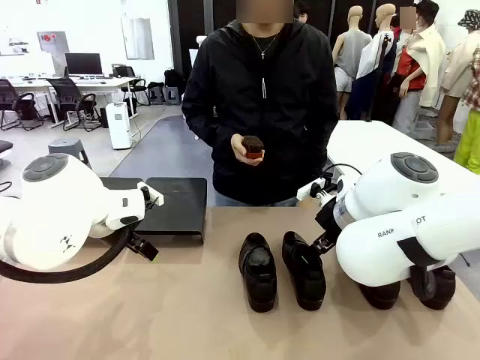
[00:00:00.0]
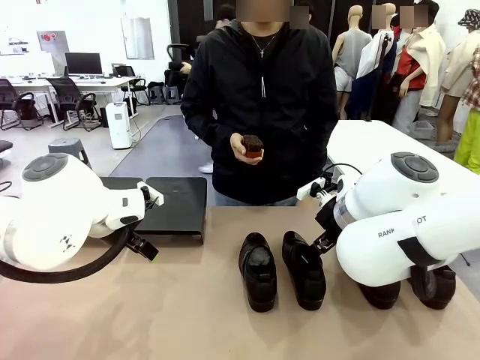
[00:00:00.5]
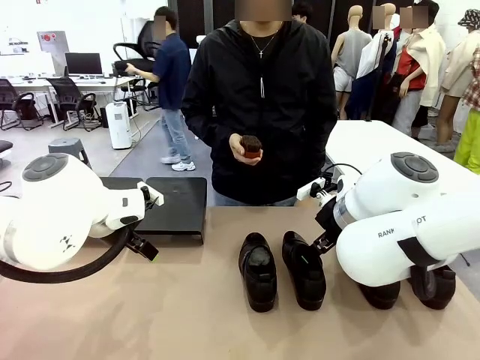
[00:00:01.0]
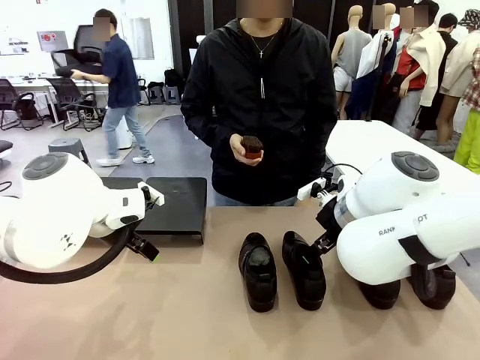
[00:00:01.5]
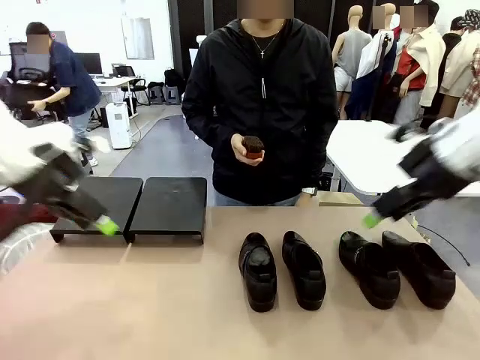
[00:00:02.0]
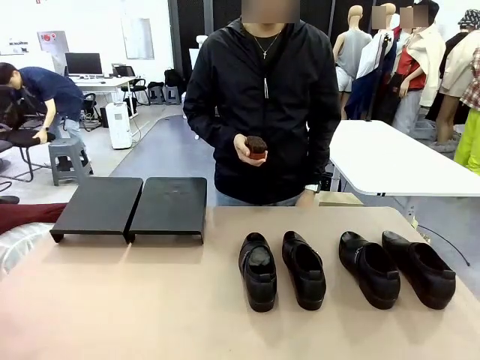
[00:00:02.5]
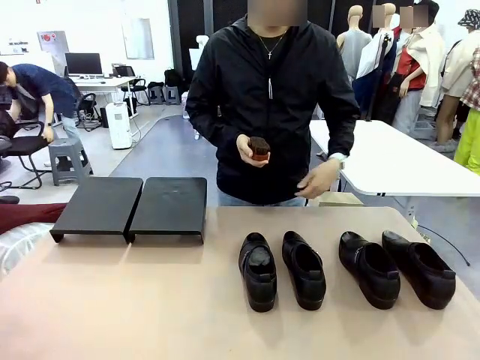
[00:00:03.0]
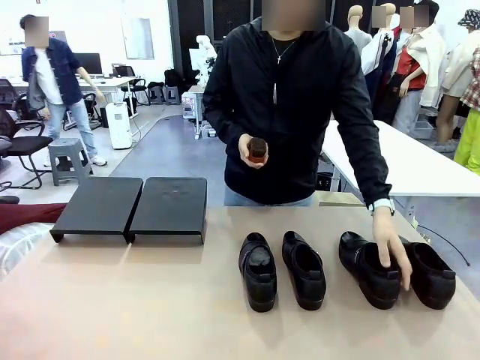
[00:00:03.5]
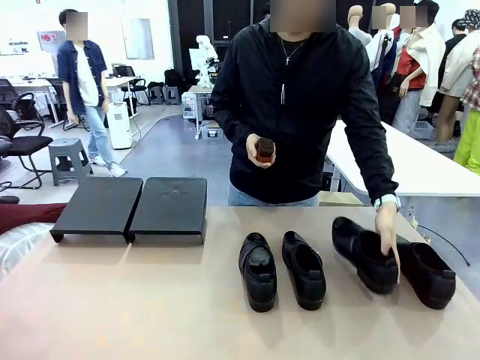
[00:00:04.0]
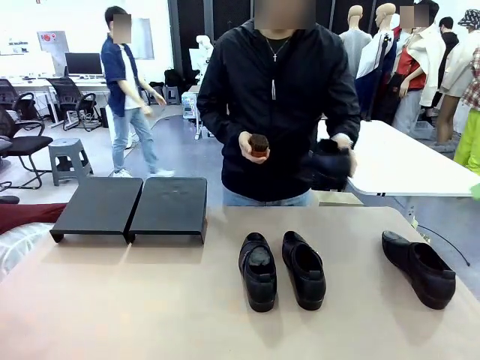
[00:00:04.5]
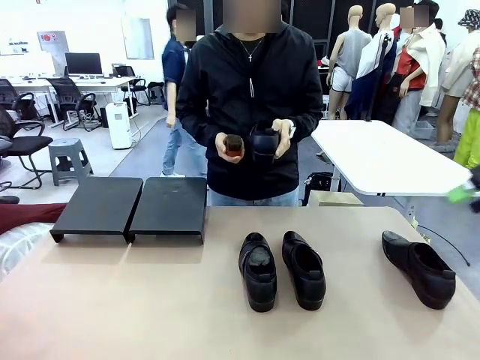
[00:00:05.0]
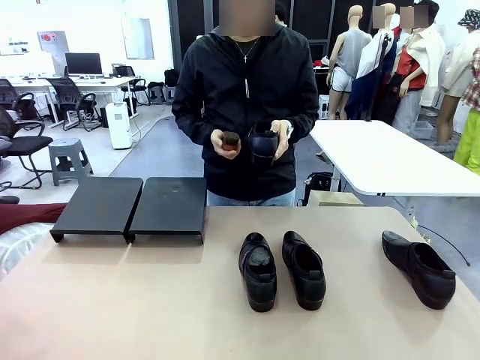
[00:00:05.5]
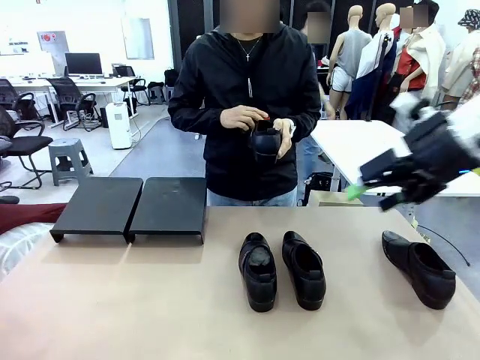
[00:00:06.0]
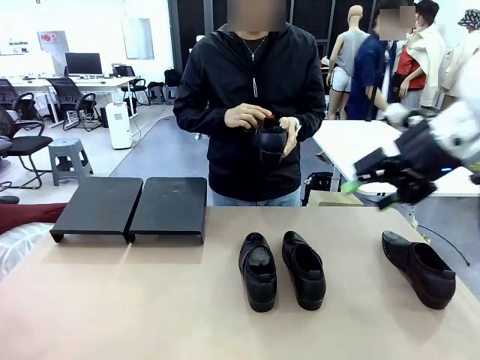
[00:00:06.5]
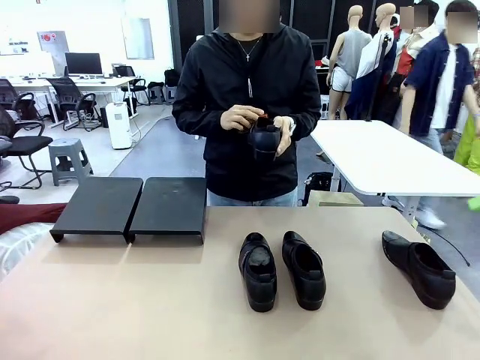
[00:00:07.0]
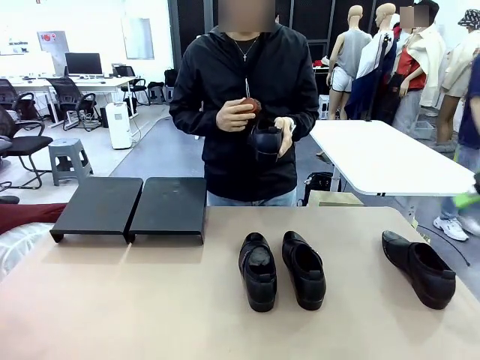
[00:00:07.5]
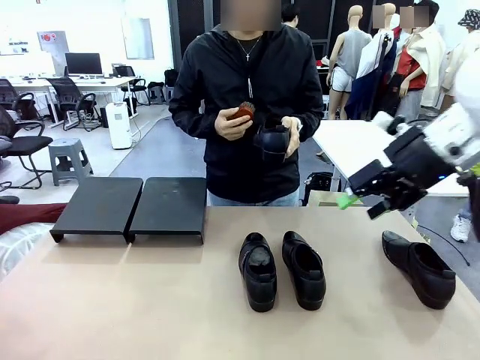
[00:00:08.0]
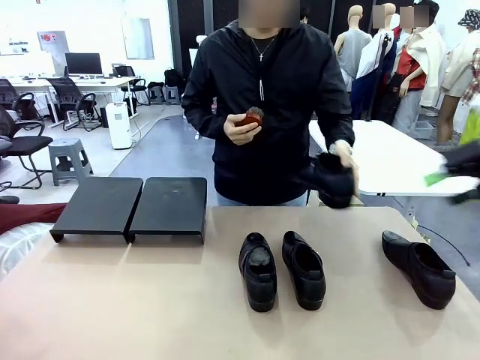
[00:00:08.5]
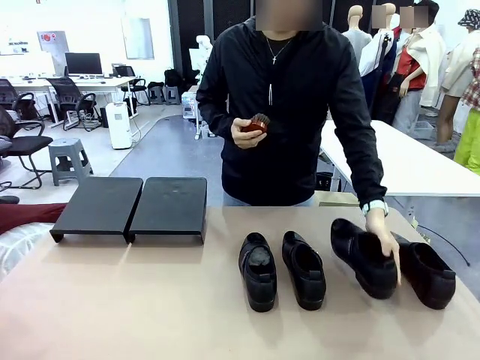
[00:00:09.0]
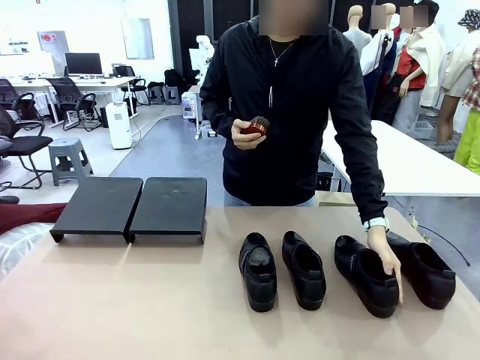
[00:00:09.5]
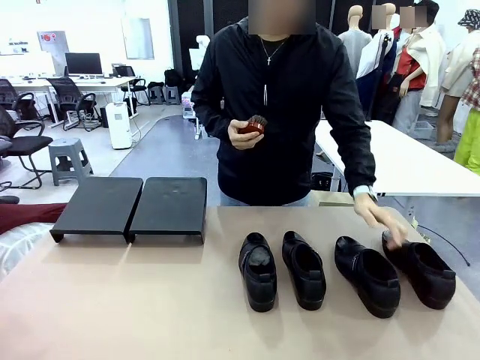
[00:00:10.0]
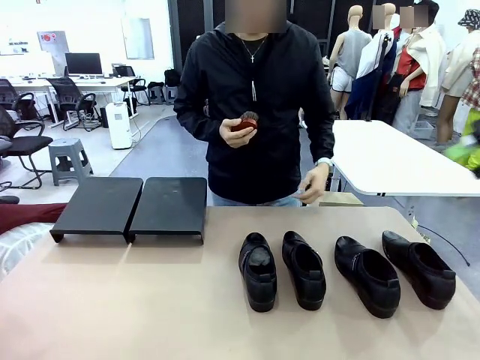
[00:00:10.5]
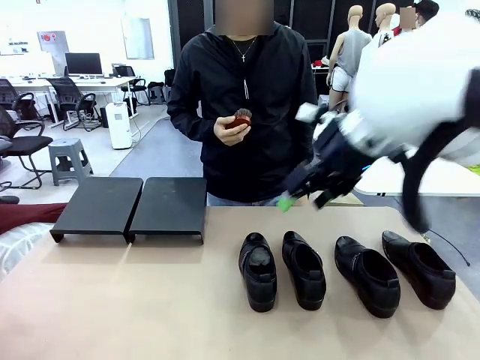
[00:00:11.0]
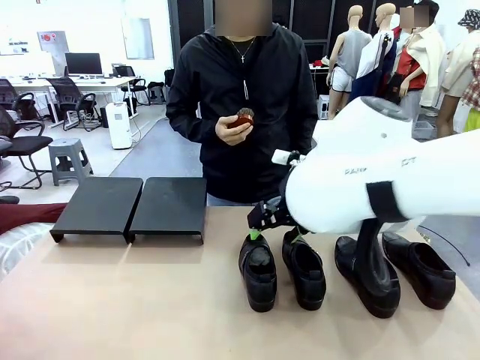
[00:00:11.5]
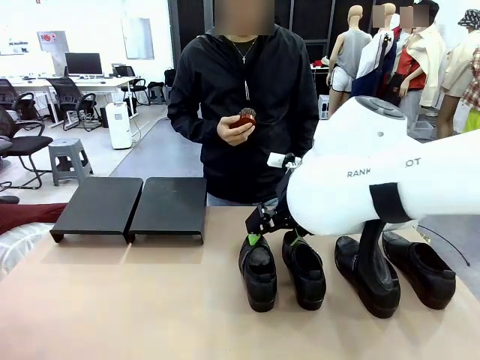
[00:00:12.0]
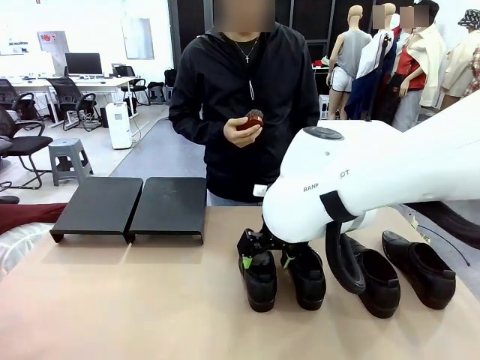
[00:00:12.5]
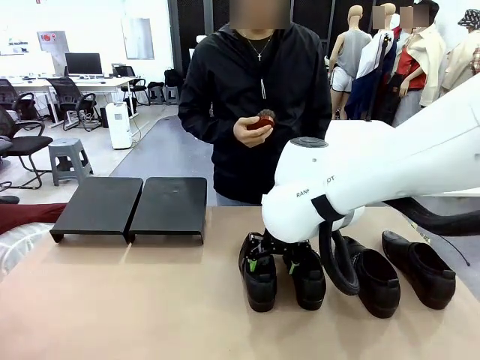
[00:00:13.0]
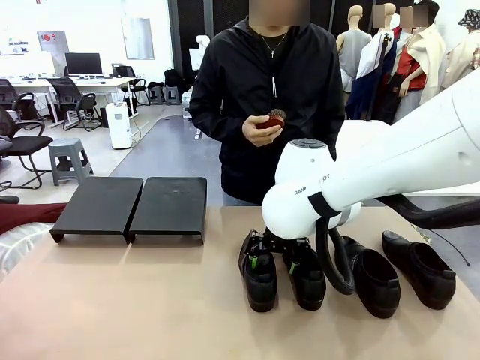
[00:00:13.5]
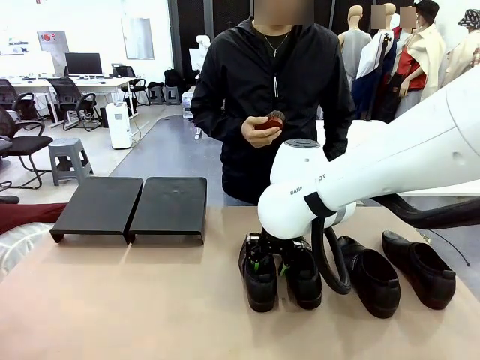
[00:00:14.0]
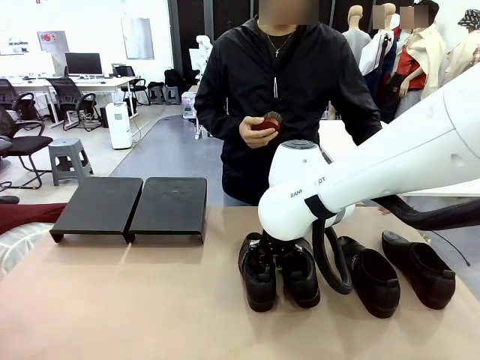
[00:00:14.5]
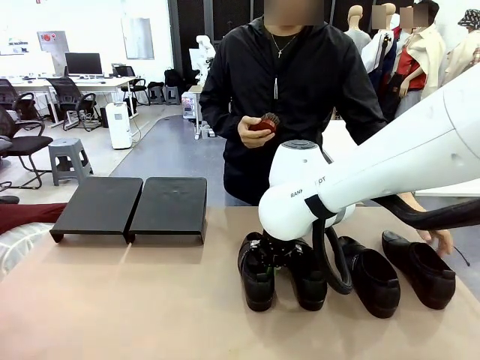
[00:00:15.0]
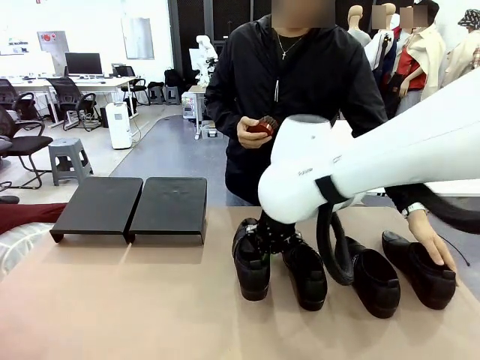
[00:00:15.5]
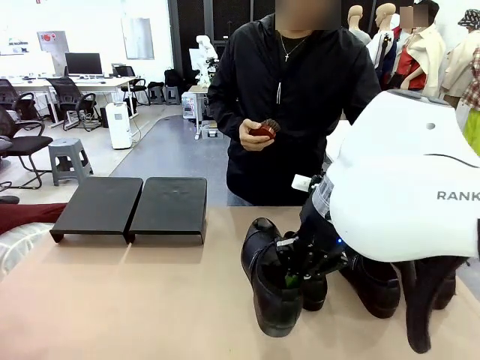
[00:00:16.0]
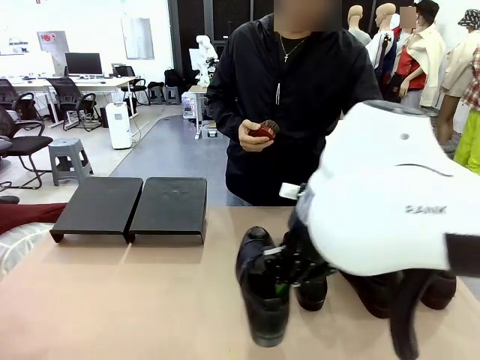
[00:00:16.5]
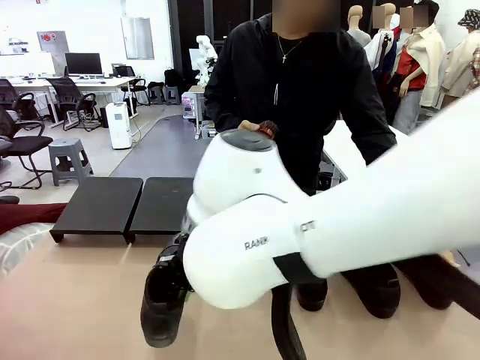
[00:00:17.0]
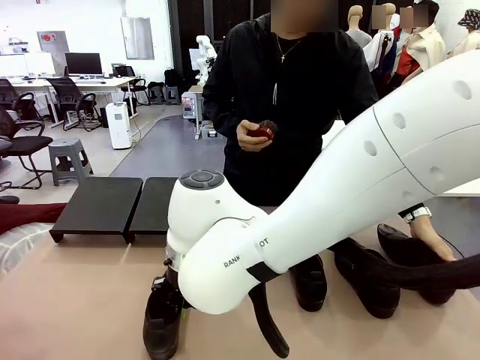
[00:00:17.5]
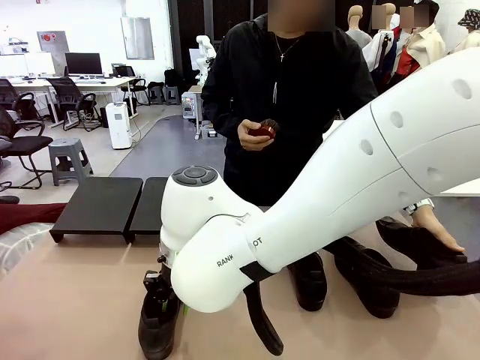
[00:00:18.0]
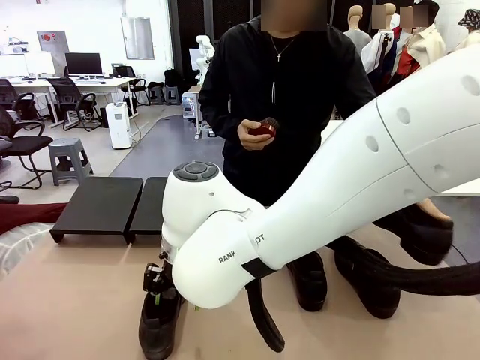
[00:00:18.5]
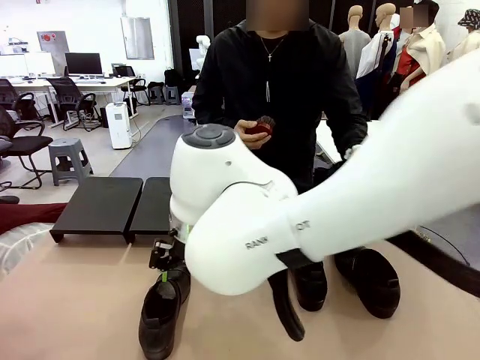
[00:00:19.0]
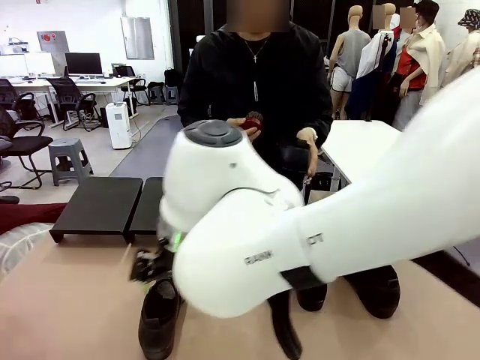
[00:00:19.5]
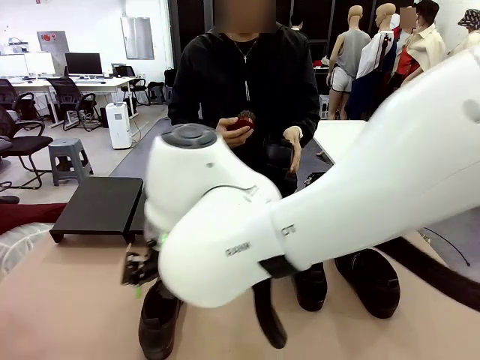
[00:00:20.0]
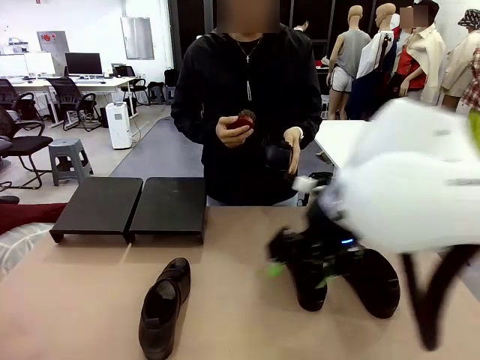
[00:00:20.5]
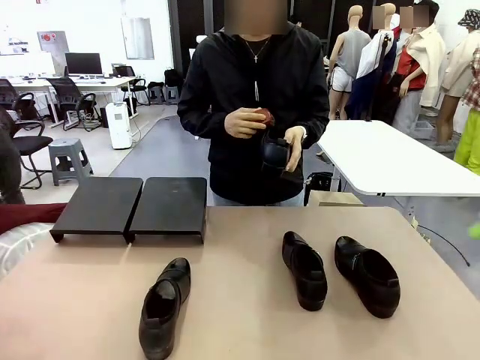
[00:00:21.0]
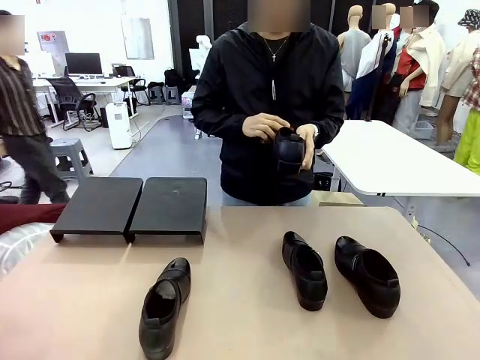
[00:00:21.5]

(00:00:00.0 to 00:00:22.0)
Task: Organize the shoes by placing them on the stand.
Robot: Pick up one Shoe and place it in the middle of the table.
Person: Pick one Shoe on Robot's table. Clean the Shoe with the Shoe Brush. Place the Shoe on left side of the Robot's table. Pick one Shoe on Robot's table.
